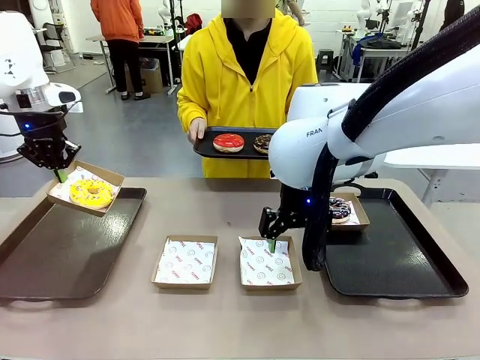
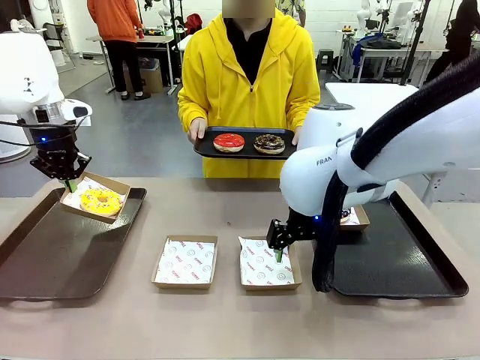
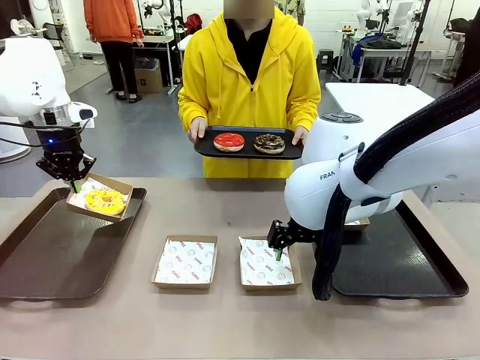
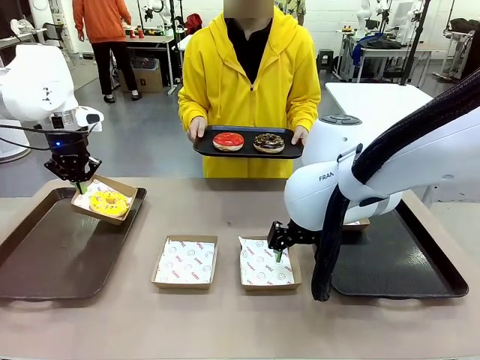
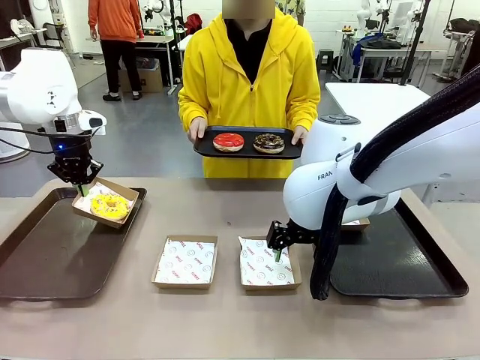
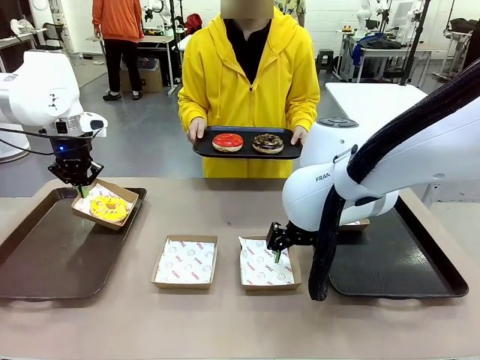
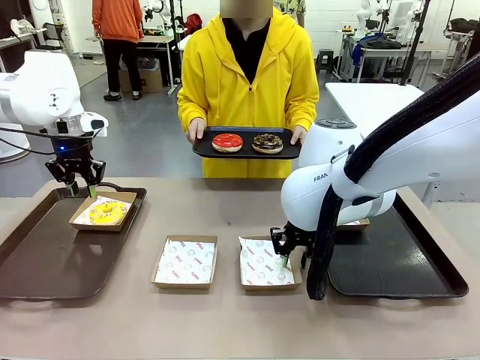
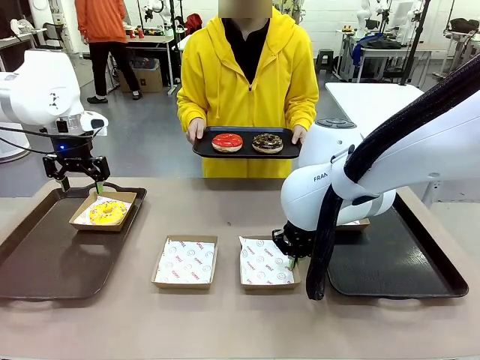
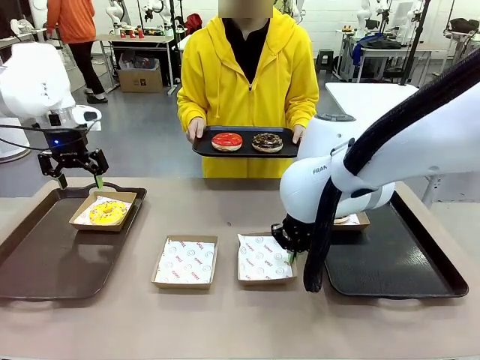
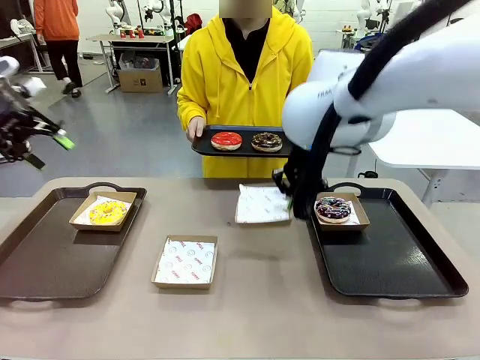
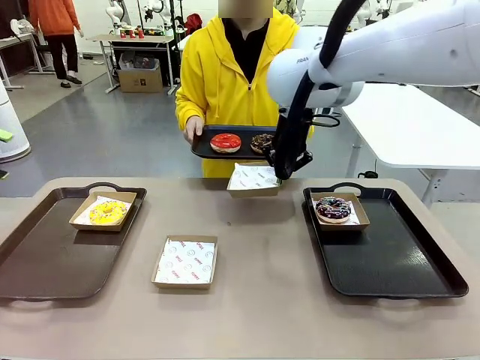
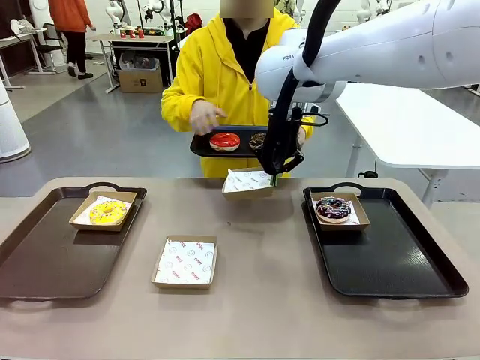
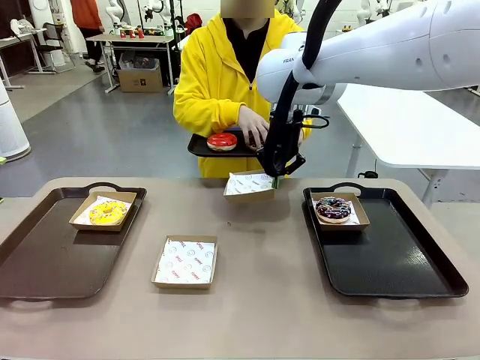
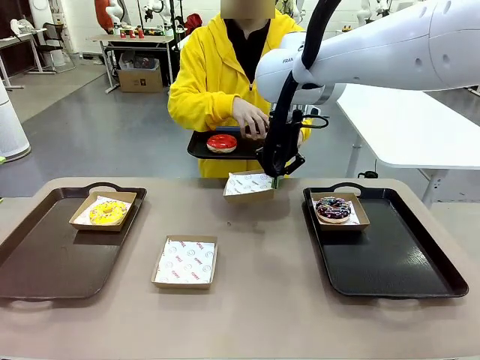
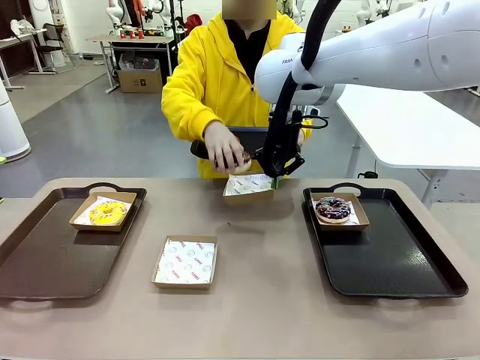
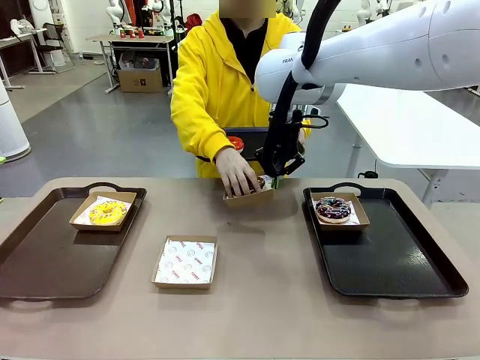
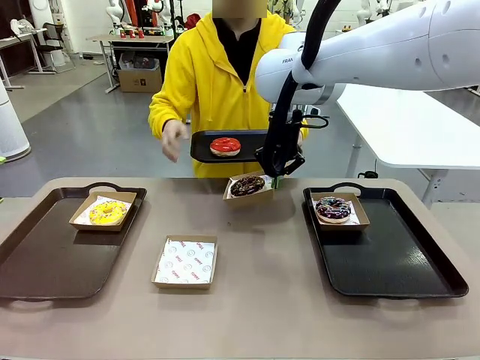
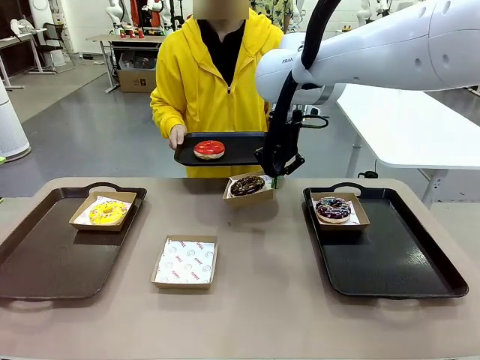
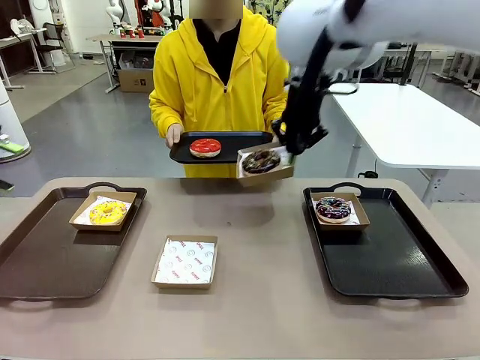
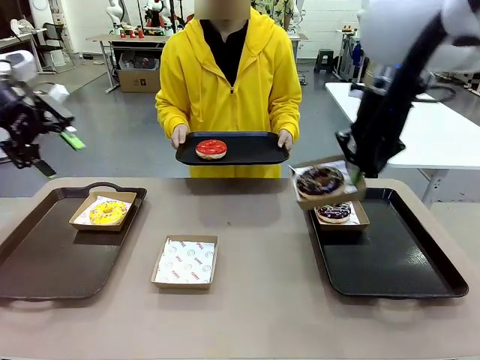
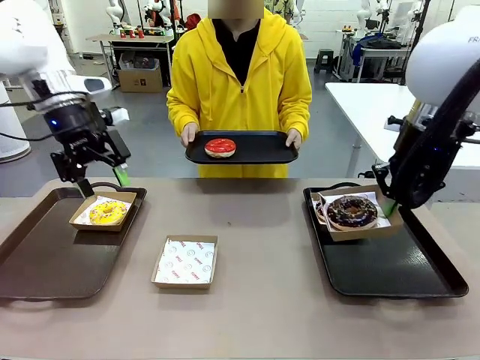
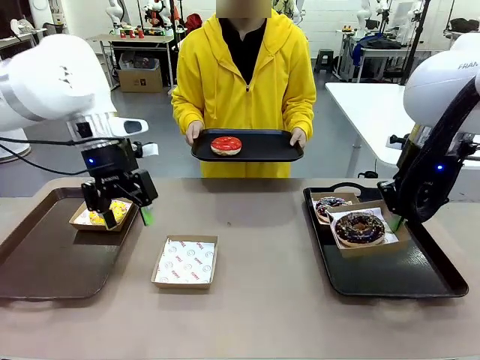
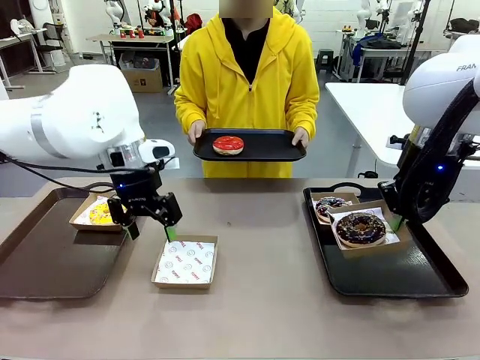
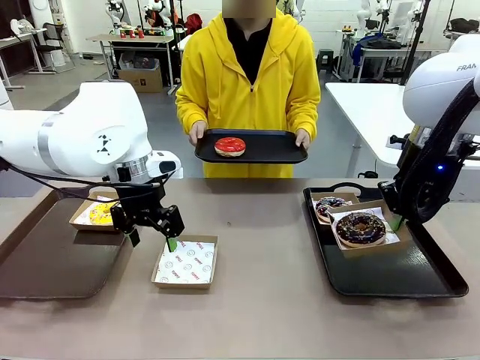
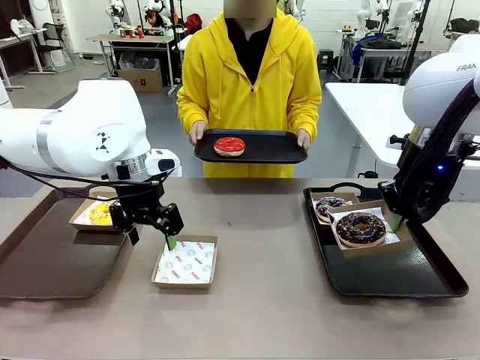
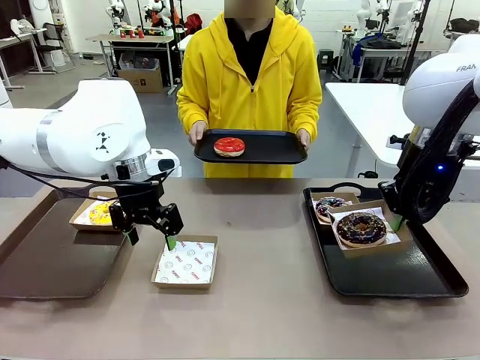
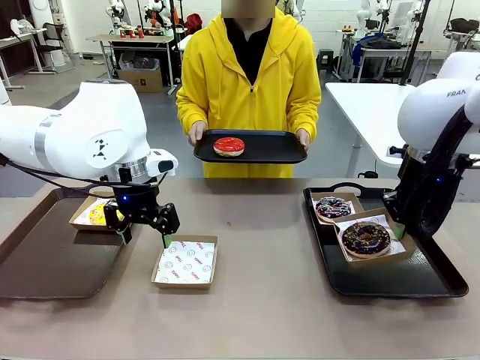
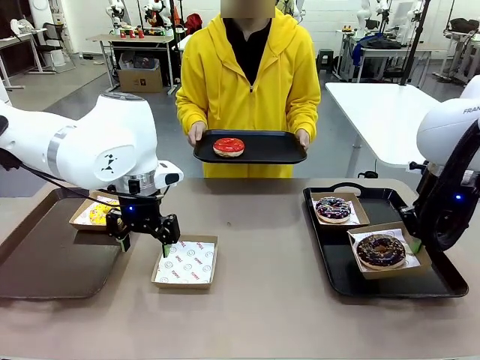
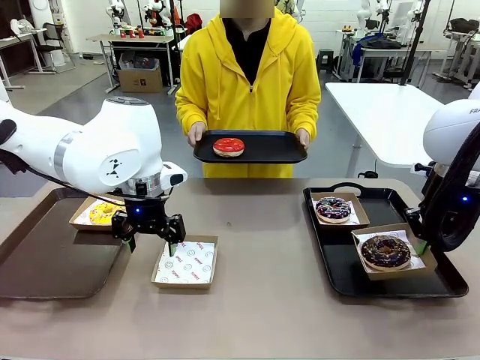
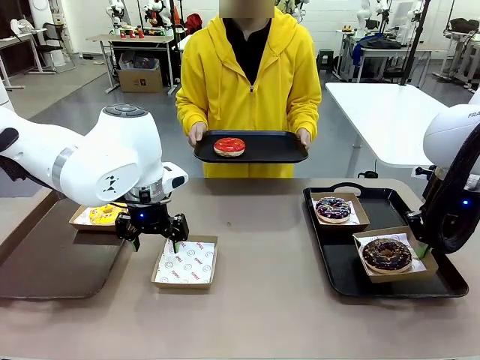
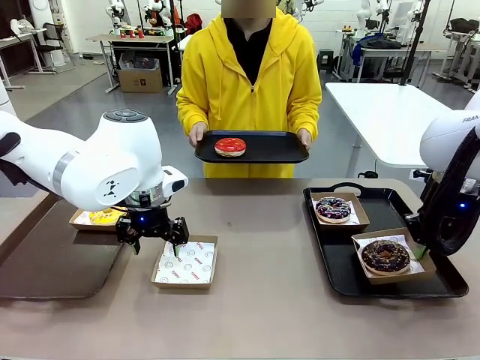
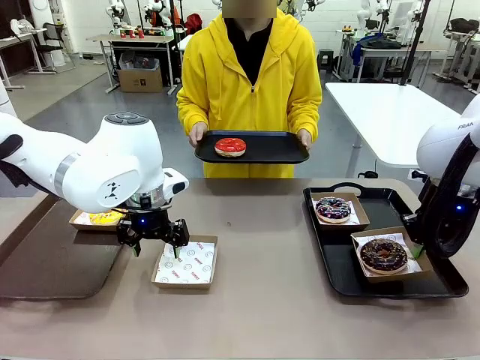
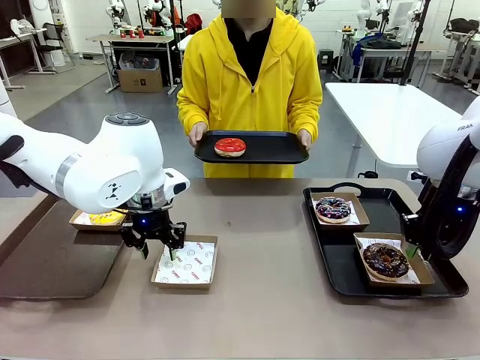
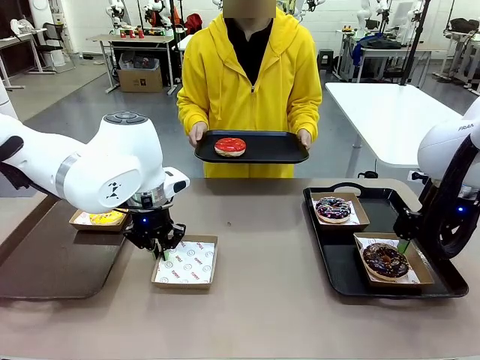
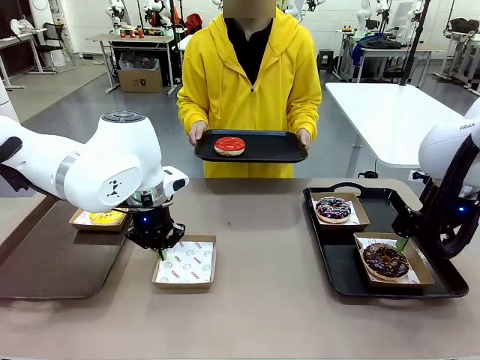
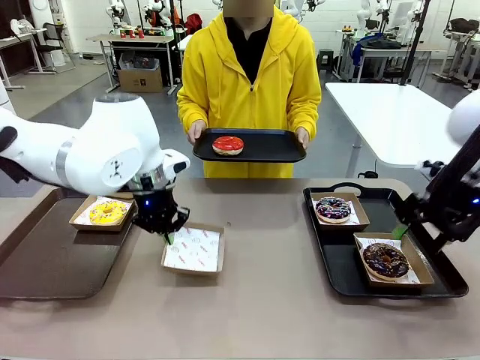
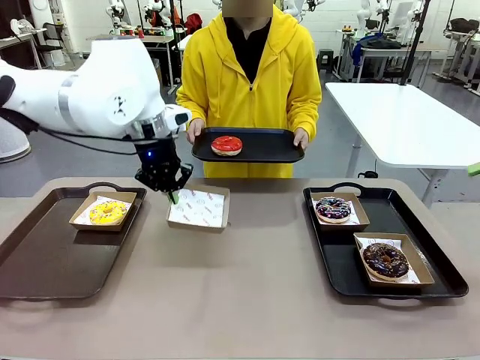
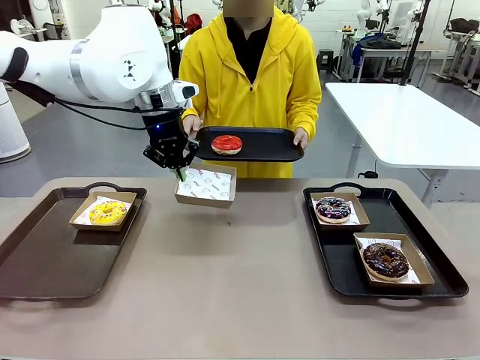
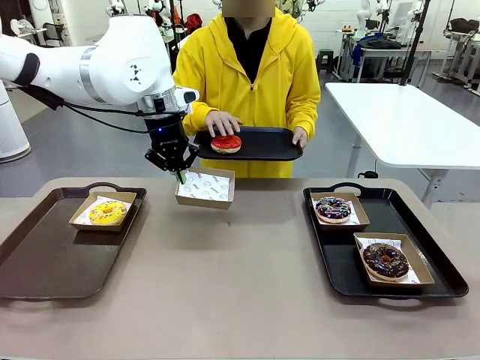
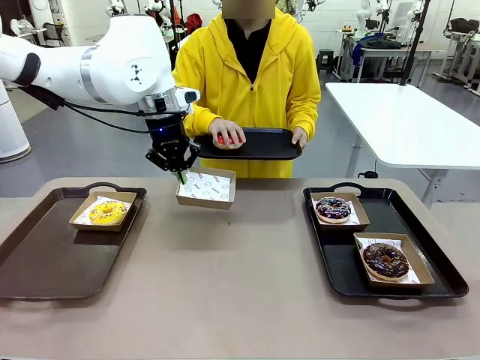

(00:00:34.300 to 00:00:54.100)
Task: Individually package the donuts and arrange them on the tray.
Robot: Place the picked Paper togo box on the Handle tray while simultaneously picking up another Paper togo box from the table with the other hand.

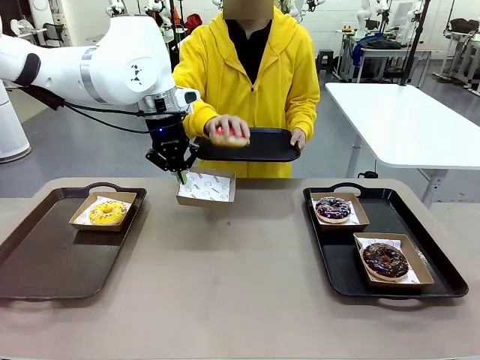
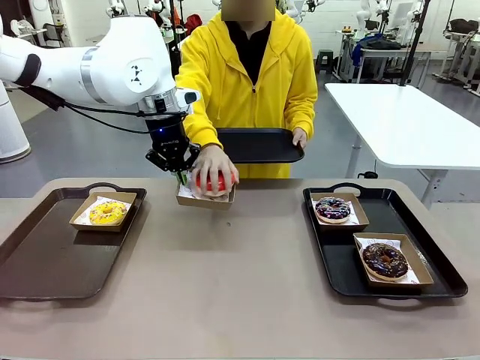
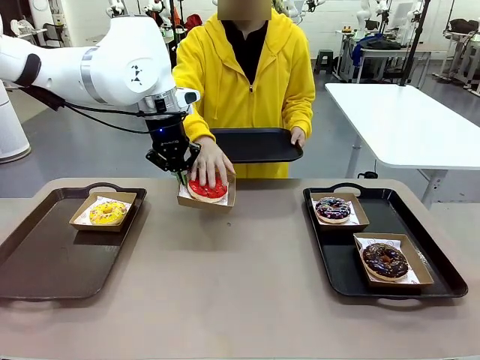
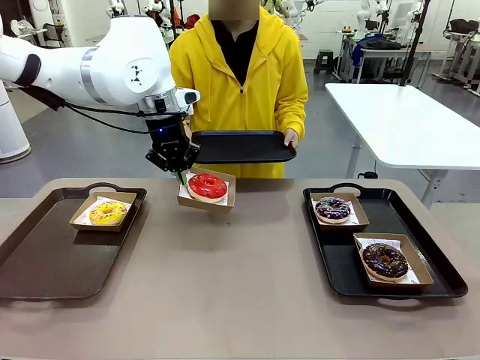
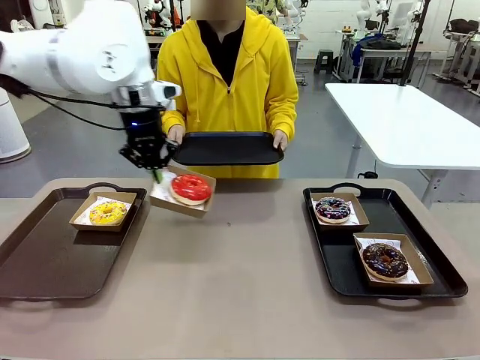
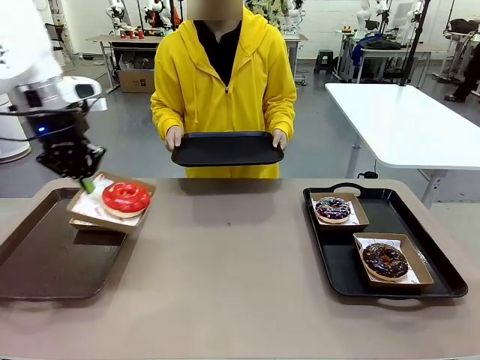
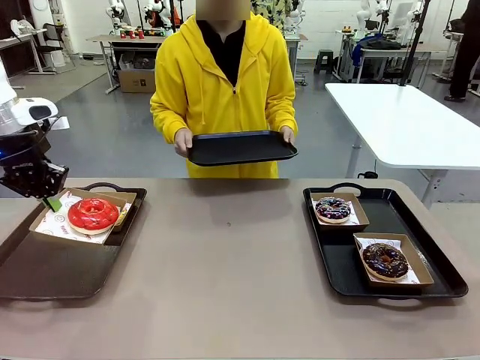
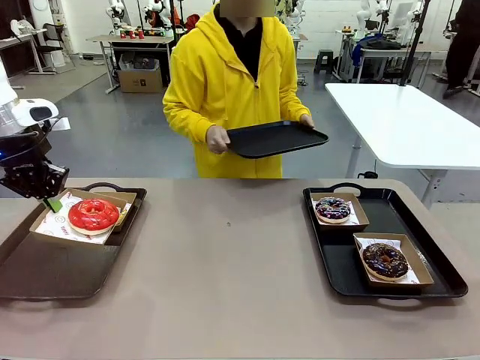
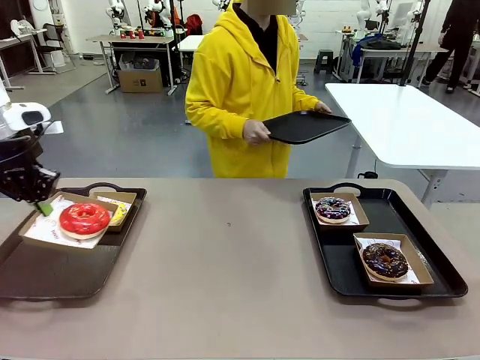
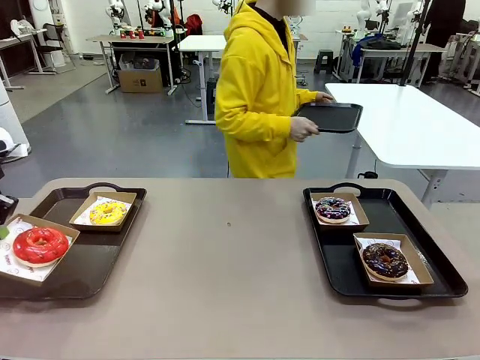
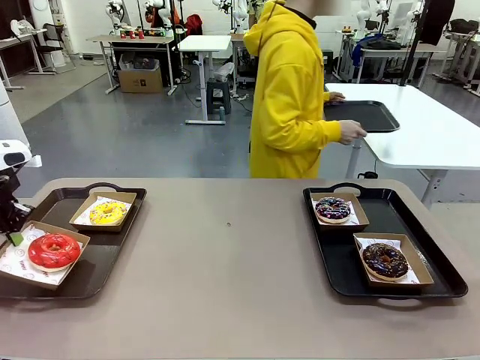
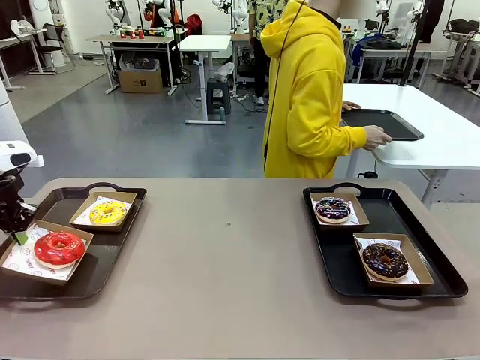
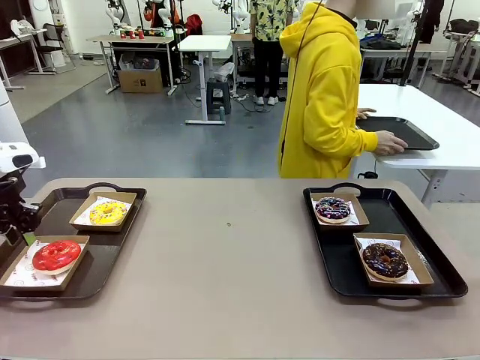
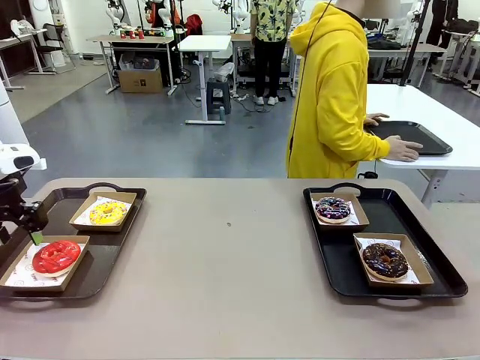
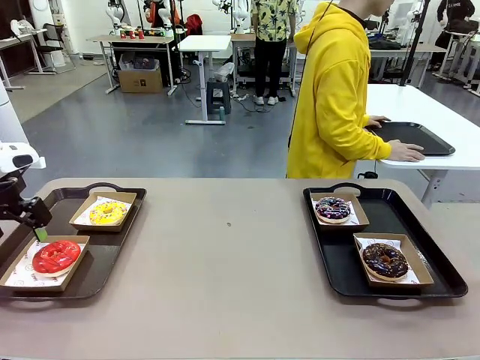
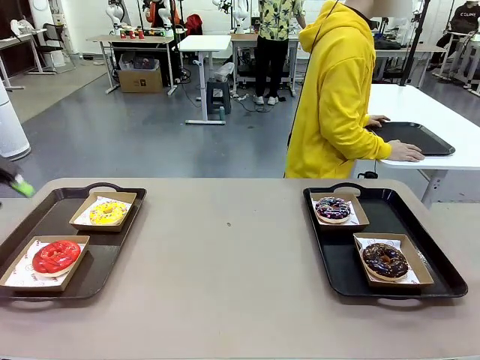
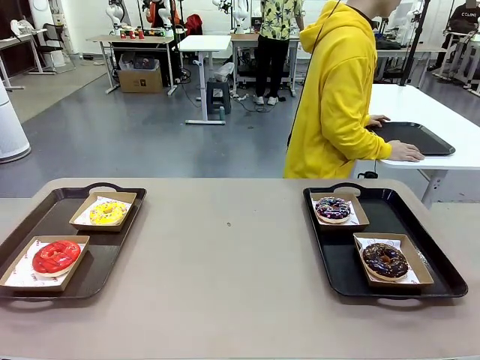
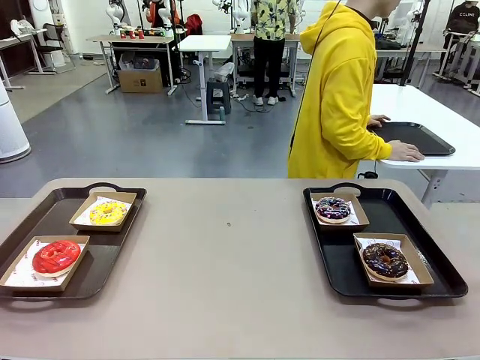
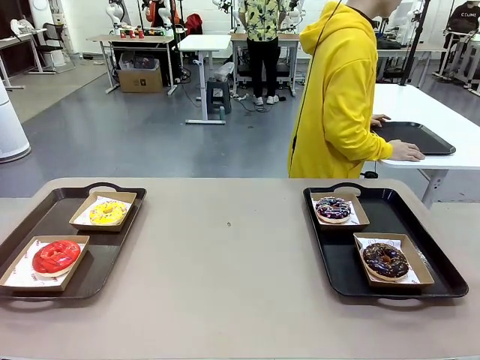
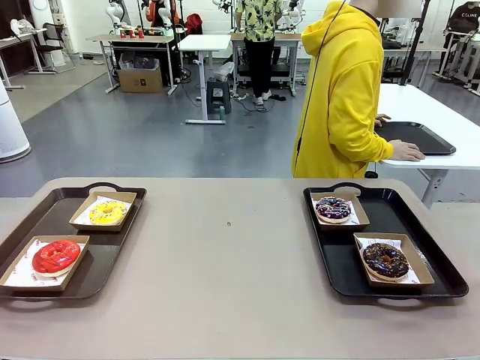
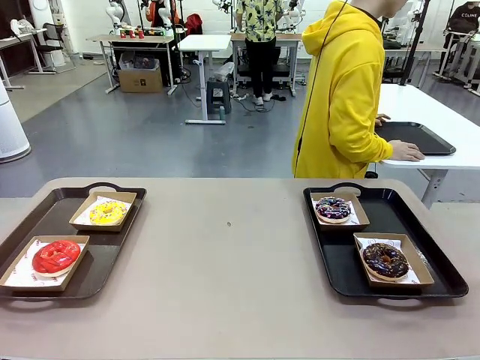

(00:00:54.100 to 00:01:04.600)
Robot: Place the picked Paper togo box on the Handle tray.
Person: Place the tray down in the middle of the human table.
